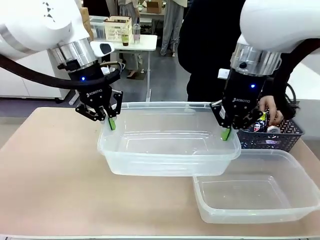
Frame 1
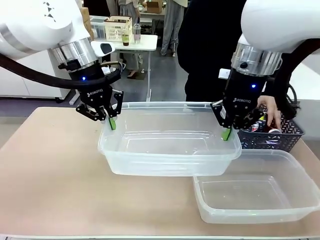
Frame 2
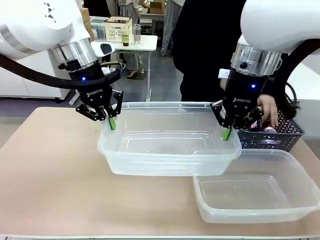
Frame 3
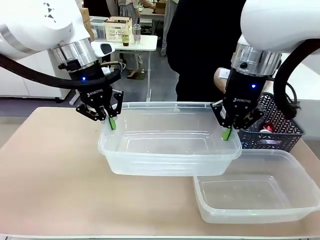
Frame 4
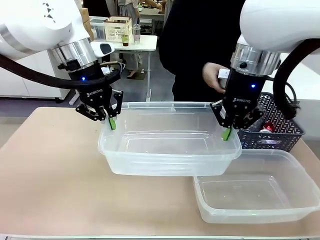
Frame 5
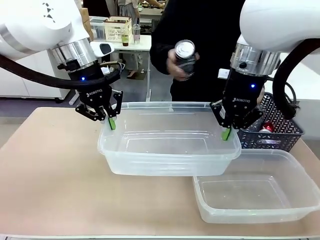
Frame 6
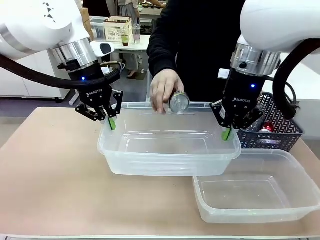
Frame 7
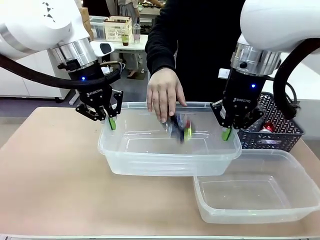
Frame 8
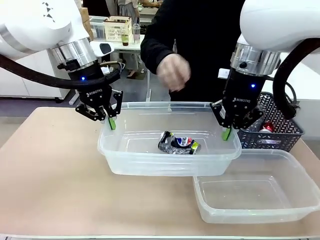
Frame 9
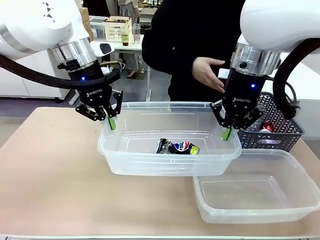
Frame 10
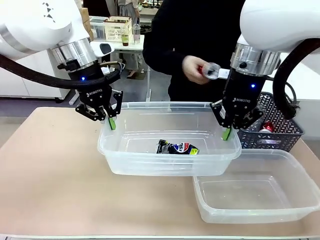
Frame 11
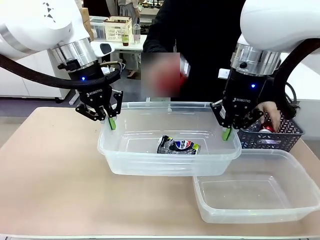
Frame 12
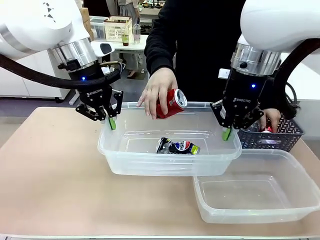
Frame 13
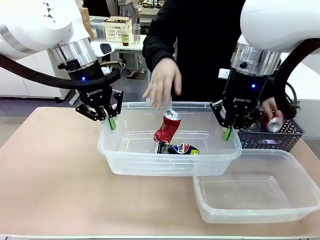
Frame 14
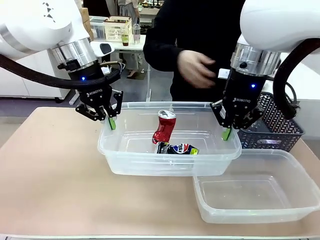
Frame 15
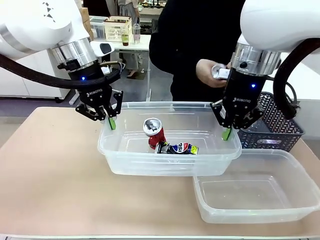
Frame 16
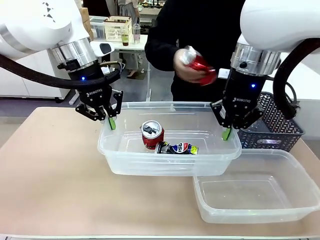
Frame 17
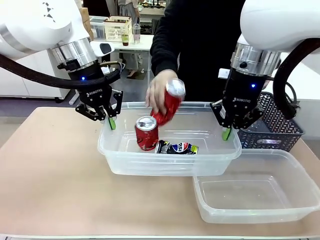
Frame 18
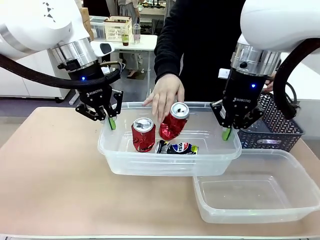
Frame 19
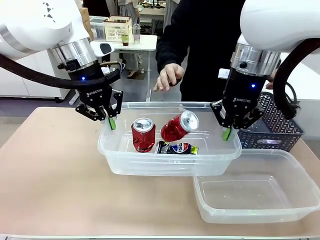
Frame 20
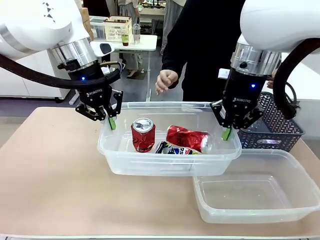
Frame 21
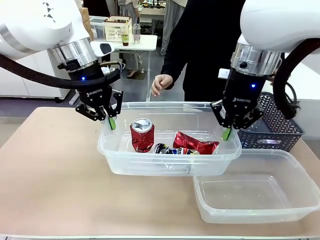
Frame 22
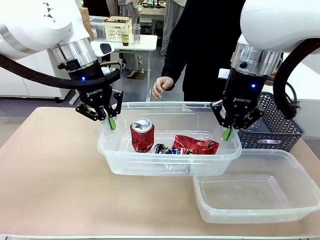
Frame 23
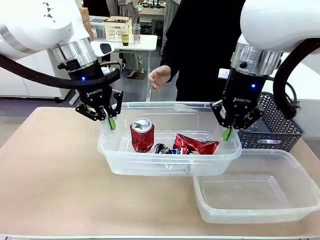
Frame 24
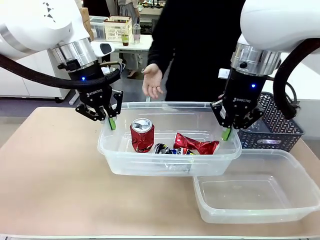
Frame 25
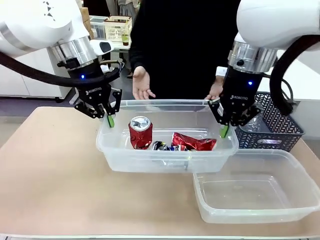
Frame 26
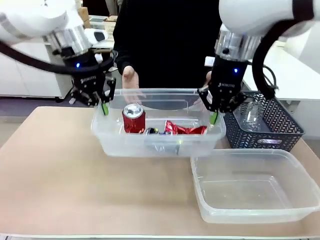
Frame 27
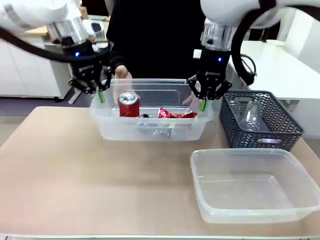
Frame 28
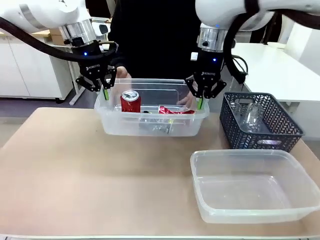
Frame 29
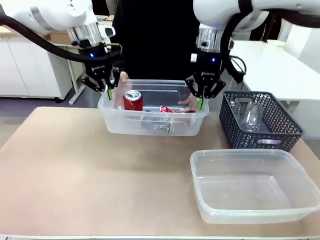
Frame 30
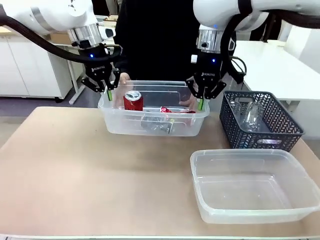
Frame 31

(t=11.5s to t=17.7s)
Robot: Offer the picked Organizing box to the human.

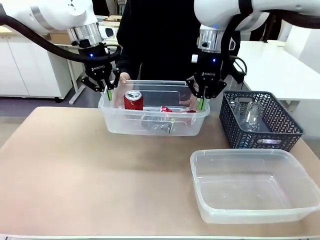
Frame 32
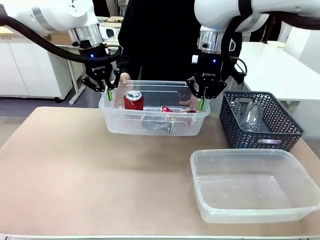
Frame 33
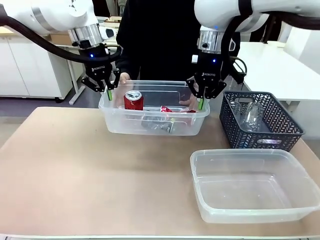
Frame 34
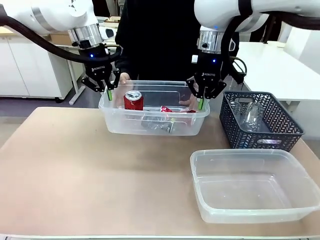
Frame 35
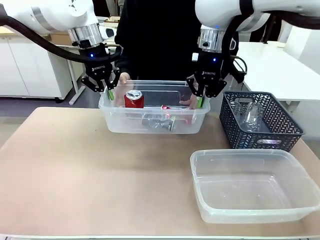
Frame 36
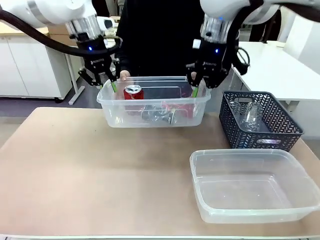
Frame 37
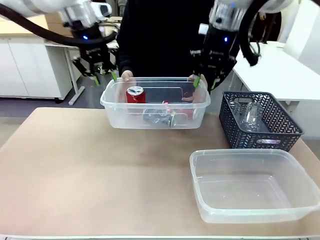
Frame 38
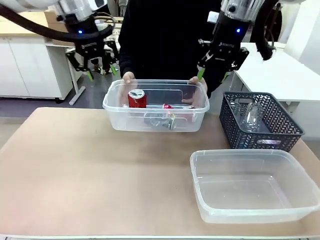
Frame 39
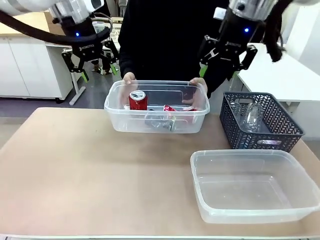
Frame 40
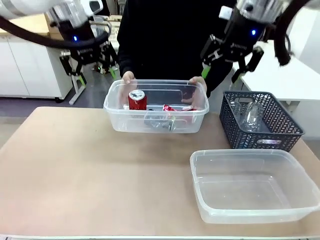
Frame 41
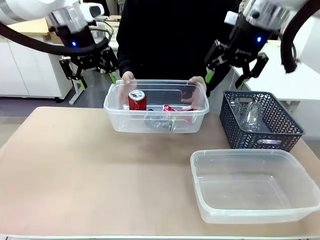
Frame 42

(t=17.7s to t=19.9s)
Robot: Release the Organizing box you were holding.

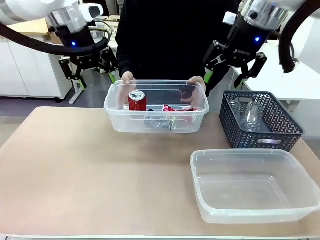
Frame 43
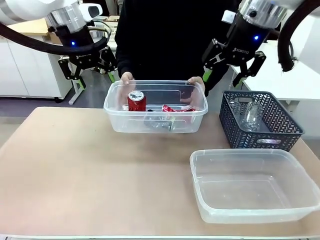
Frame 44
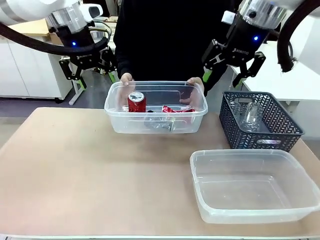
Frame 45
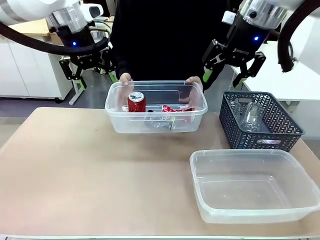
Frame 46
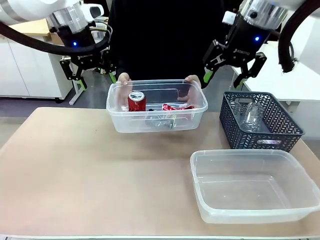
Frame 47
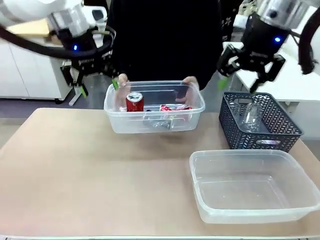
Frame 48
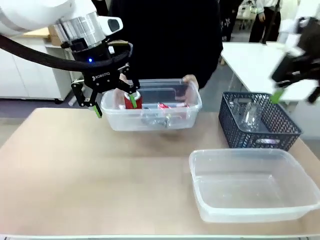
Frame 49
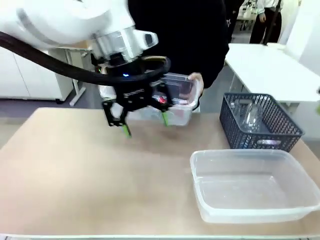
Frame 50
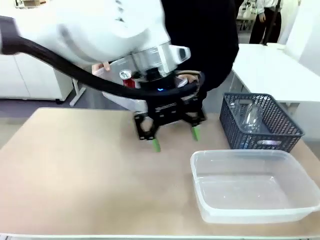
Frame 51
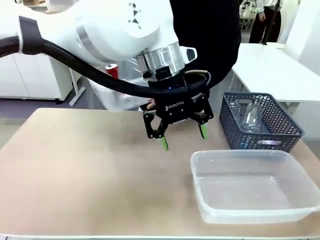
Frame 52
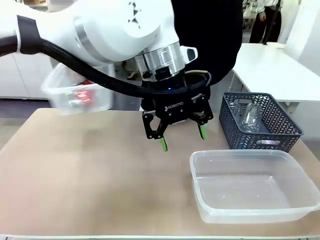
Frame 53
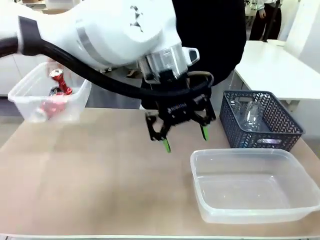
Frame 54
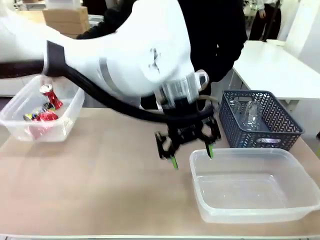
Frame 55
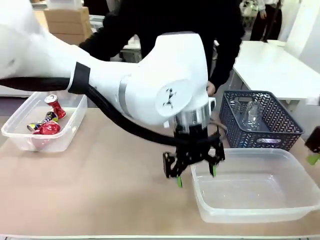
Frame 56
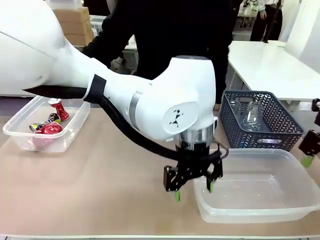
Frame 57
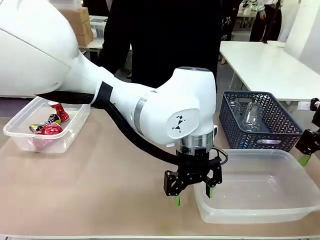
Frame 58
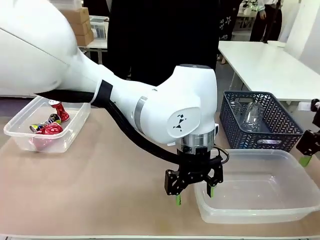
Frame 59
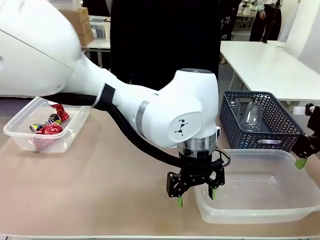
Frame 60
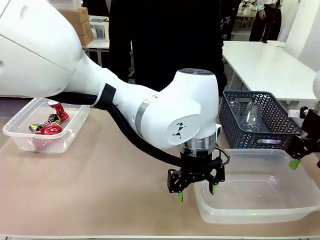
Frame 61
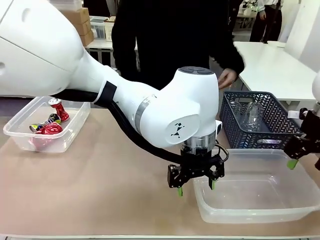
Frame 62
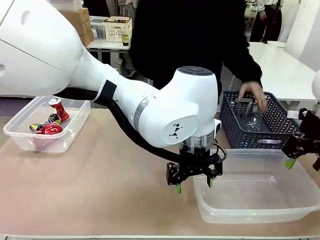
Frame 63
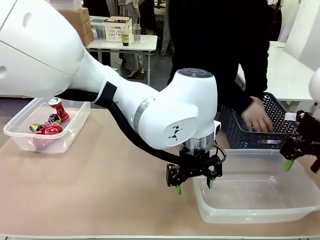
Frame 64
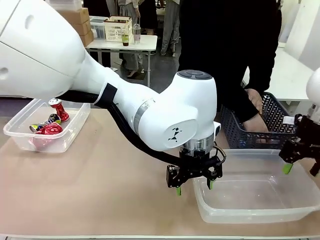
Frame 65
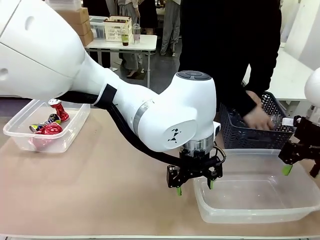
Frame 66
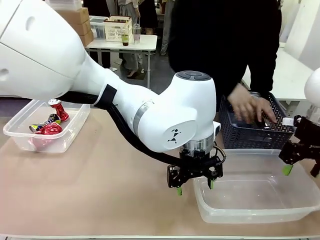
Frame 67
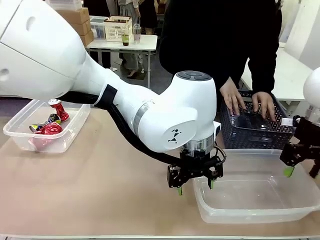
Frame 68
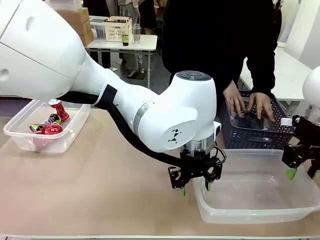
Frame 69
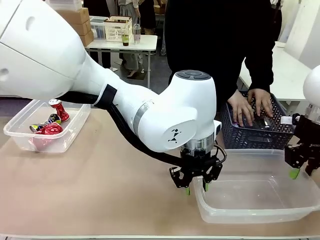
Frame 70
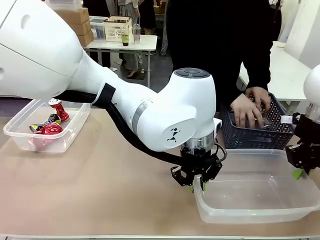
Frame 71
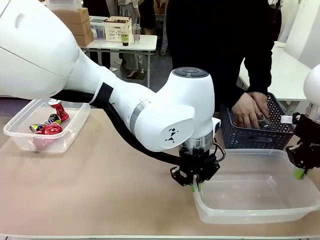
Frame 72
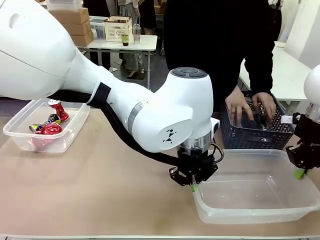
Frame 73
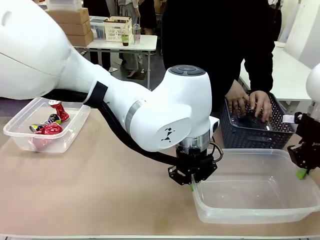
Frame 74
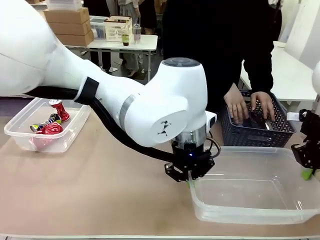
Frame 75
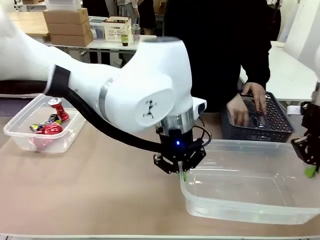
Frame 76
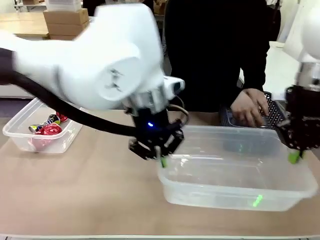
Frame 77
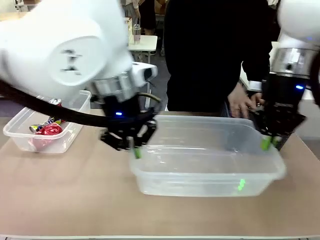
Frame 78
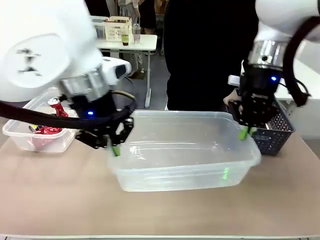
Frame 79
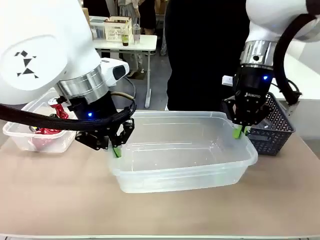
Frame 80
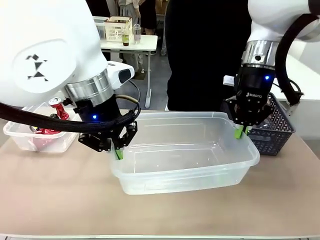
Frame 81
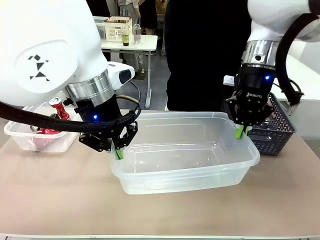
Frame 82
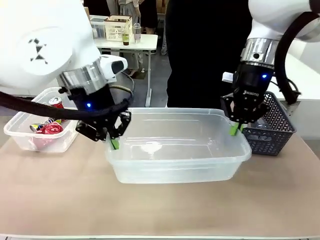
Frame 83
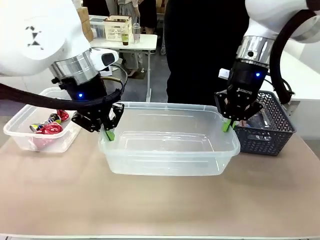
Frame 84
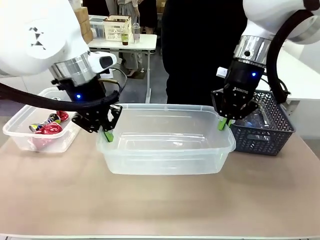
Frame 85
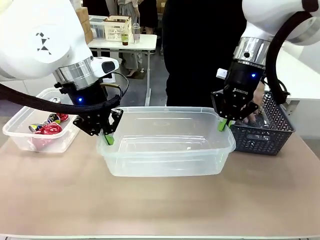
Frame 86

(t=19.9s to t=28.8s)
Robot: Pick up the Organizing box on the right side of the table and lift it.
Person: Place it at the edge of the bottom right area of the robot table. Pick up plastic waste one by one and place it into the organizing box lifted by the robot.

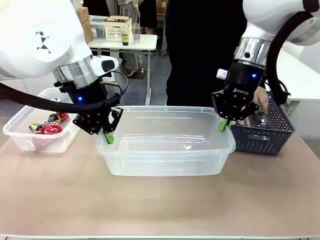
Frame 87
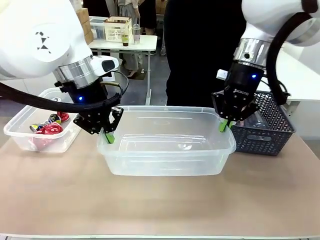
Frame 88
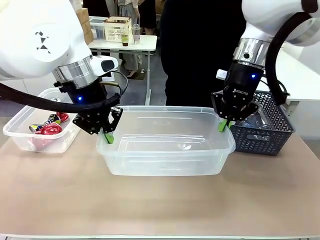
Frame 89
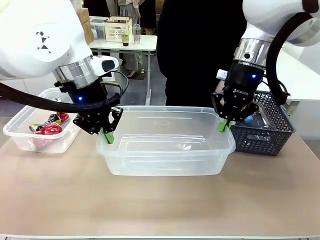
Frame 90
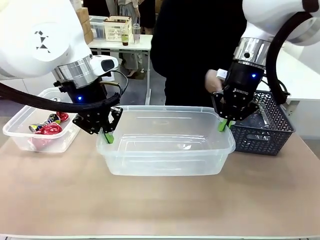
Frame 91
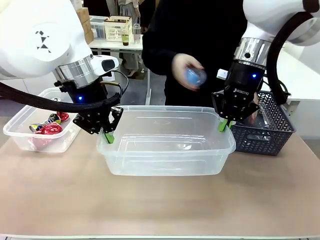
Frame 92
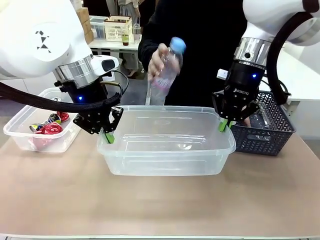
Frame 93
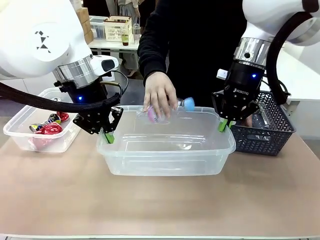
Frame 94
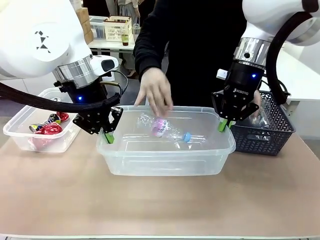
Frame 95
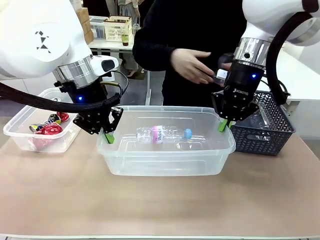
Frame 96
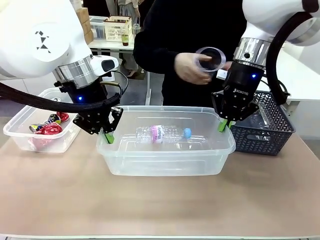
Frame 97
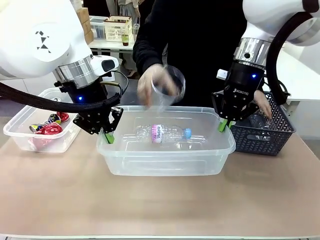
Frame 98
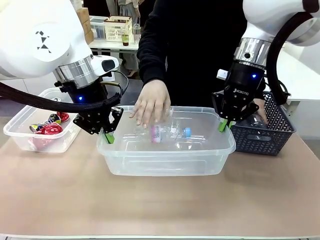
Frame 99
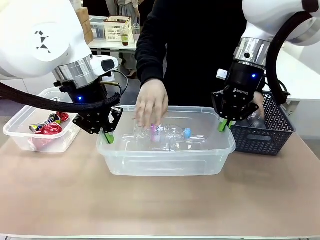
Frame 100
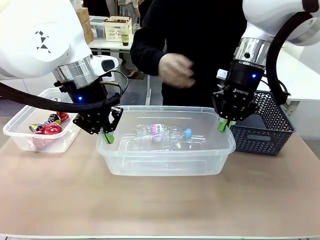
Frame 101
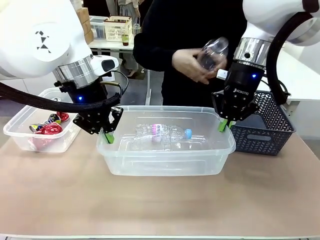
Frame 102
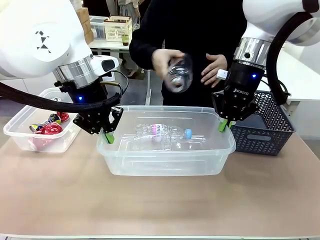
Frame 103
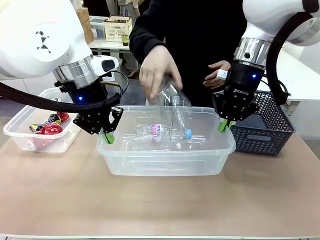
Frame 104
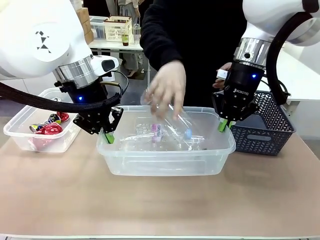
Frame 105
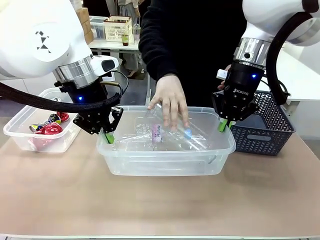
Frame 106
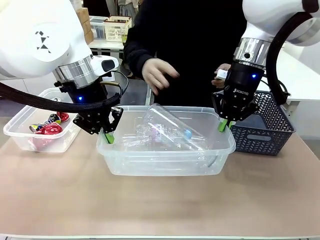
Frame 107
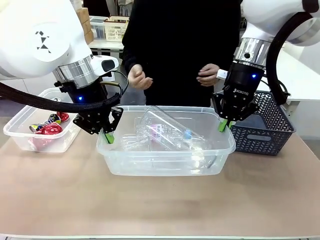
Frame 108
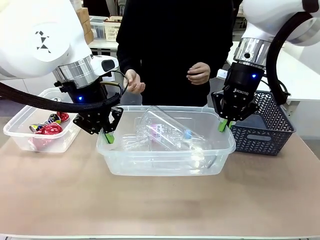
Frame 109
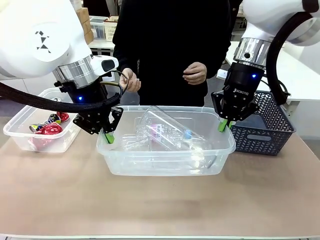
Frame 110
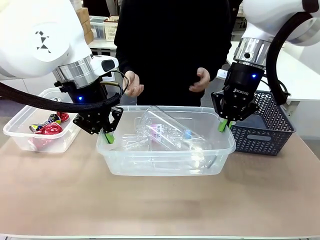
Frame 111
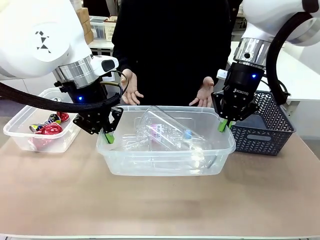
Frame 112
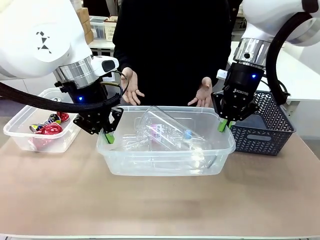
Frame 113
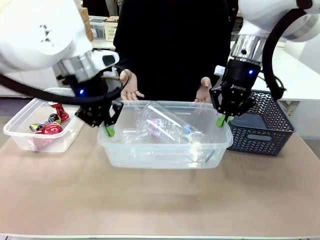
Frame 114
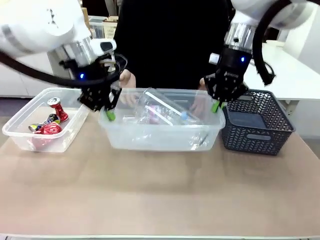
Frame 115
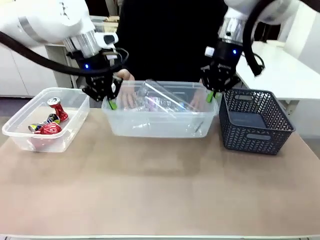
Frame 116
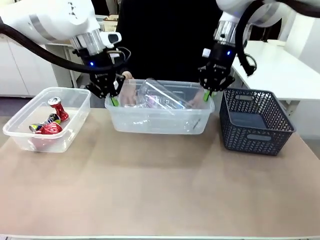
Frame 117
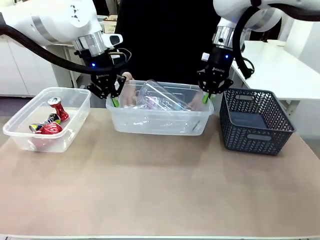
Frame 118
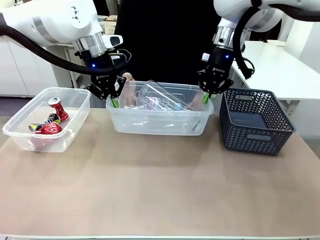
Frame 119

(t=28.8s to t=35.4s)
Robot: Offer the picked Organizing box to the human.
